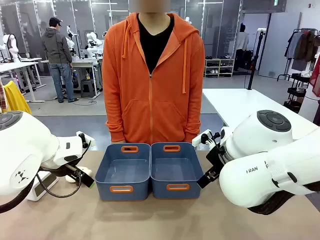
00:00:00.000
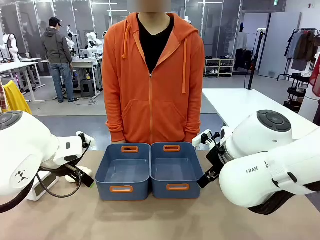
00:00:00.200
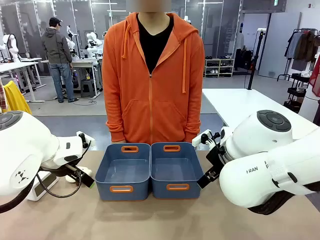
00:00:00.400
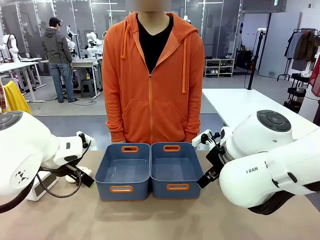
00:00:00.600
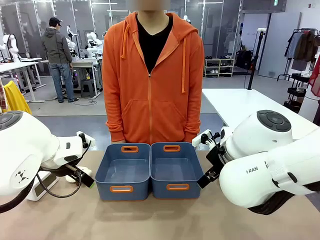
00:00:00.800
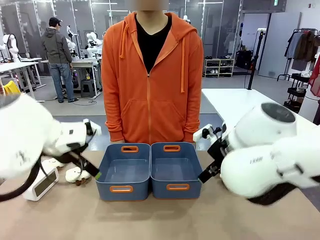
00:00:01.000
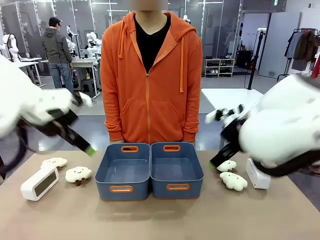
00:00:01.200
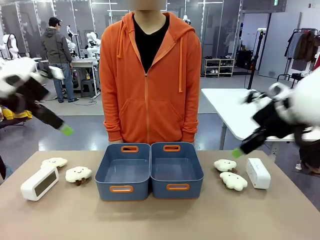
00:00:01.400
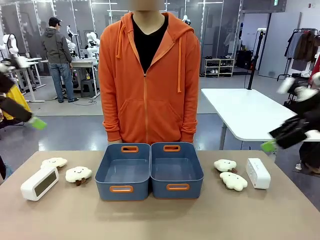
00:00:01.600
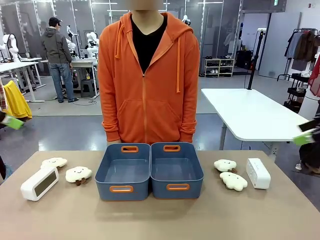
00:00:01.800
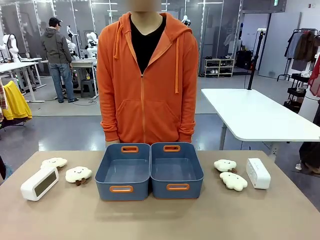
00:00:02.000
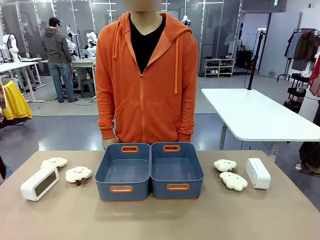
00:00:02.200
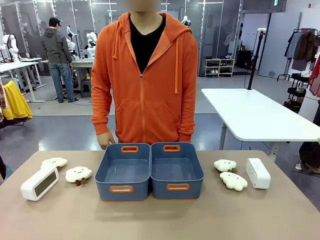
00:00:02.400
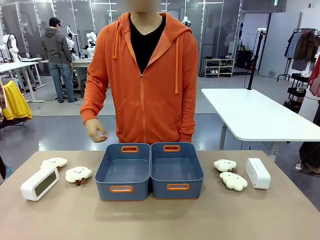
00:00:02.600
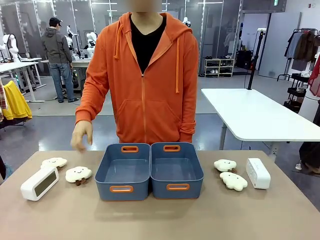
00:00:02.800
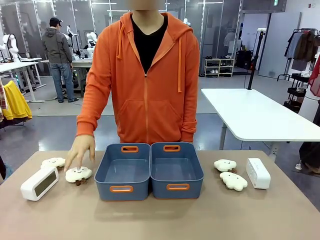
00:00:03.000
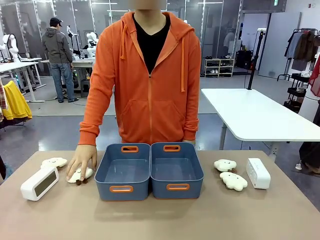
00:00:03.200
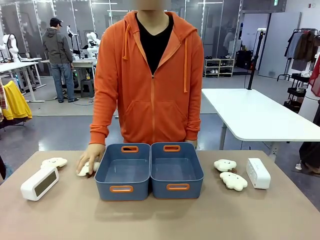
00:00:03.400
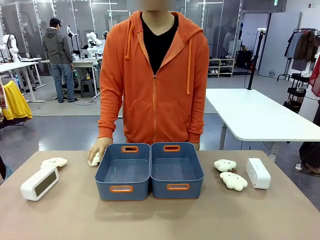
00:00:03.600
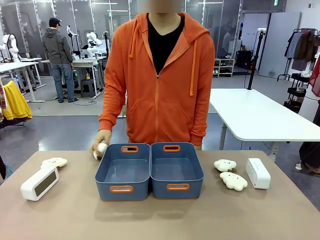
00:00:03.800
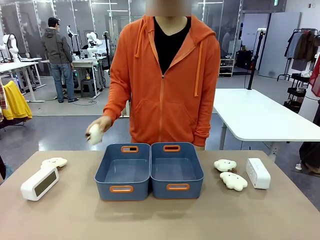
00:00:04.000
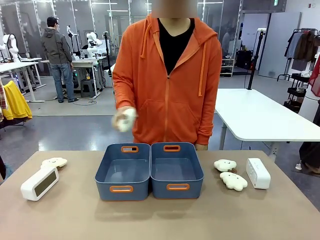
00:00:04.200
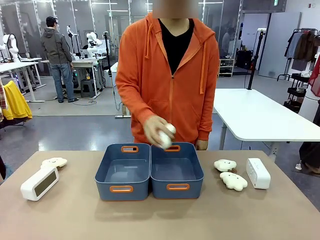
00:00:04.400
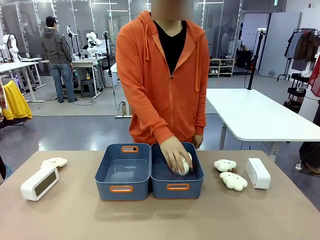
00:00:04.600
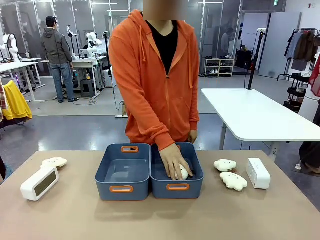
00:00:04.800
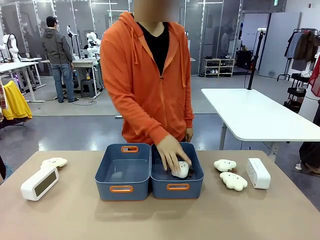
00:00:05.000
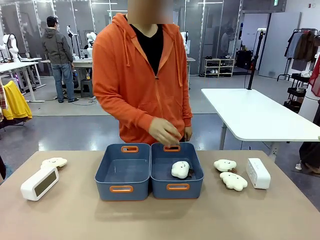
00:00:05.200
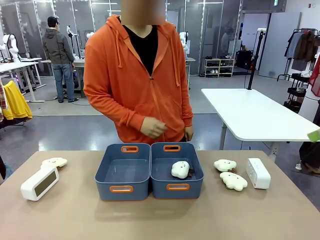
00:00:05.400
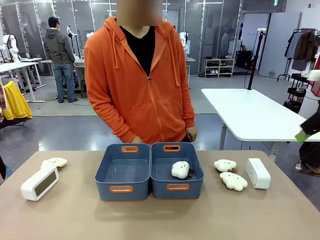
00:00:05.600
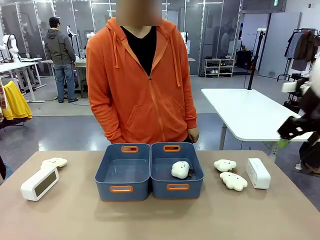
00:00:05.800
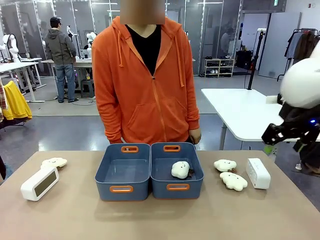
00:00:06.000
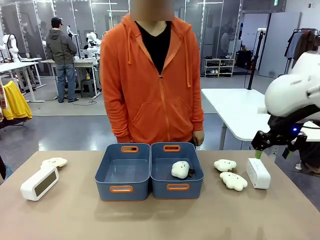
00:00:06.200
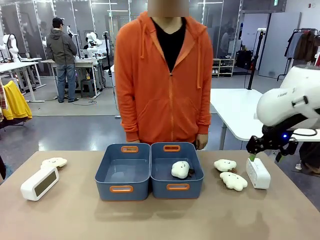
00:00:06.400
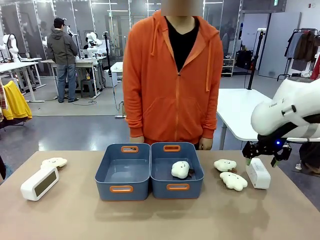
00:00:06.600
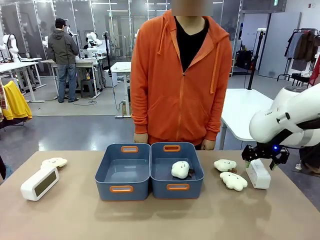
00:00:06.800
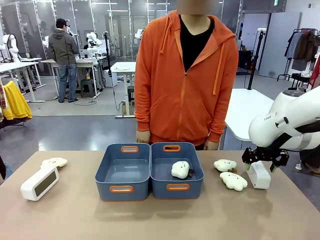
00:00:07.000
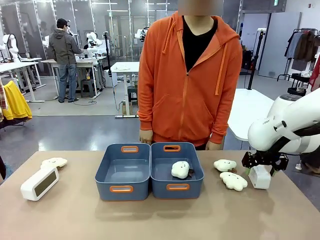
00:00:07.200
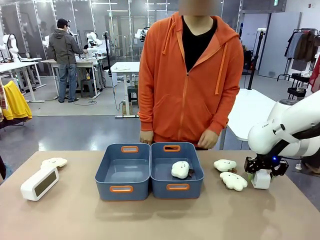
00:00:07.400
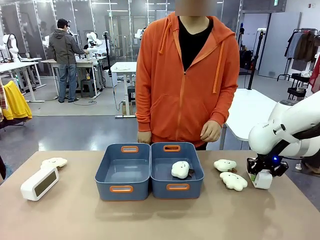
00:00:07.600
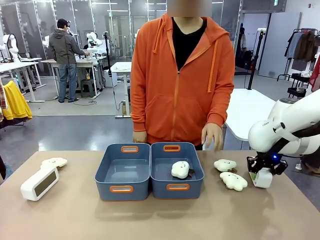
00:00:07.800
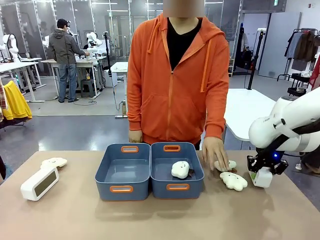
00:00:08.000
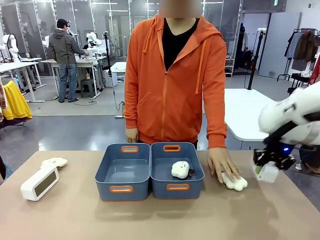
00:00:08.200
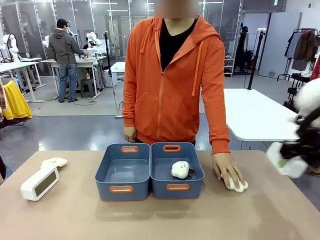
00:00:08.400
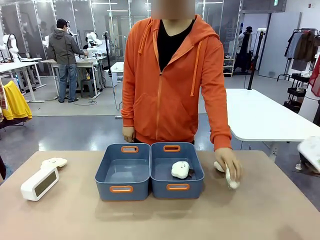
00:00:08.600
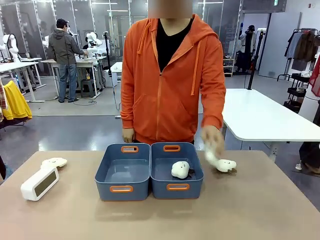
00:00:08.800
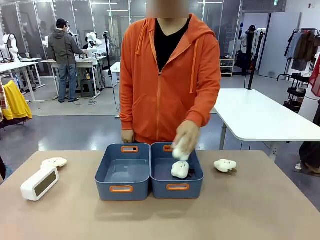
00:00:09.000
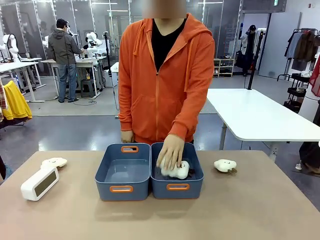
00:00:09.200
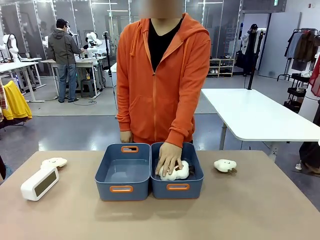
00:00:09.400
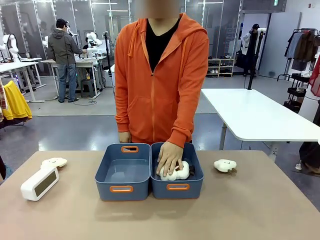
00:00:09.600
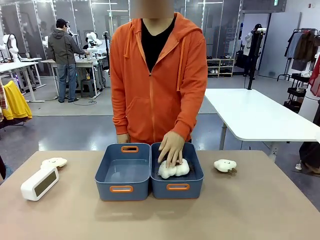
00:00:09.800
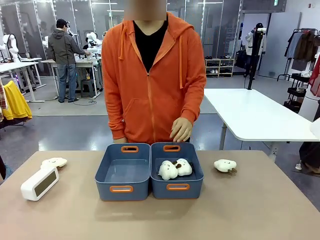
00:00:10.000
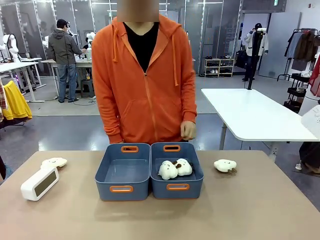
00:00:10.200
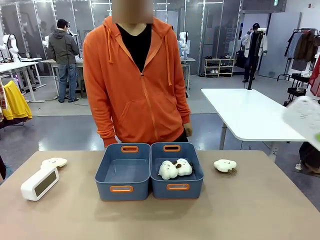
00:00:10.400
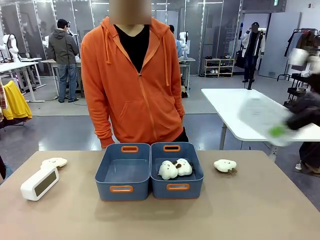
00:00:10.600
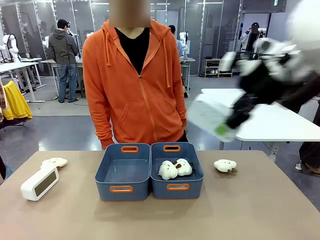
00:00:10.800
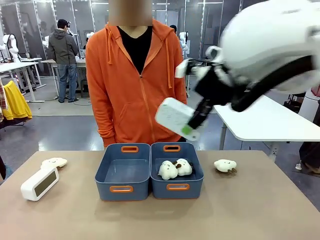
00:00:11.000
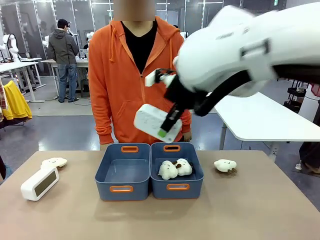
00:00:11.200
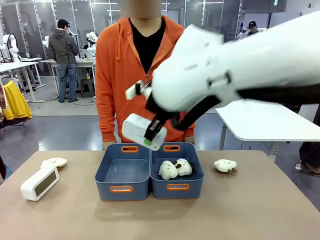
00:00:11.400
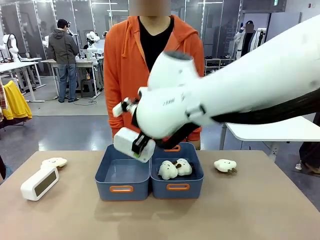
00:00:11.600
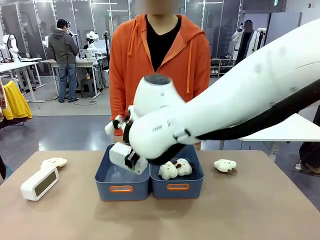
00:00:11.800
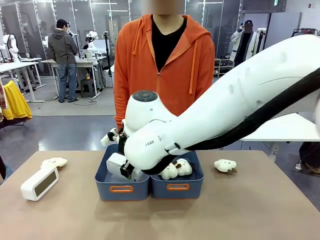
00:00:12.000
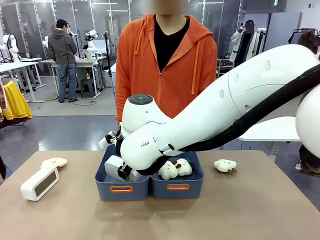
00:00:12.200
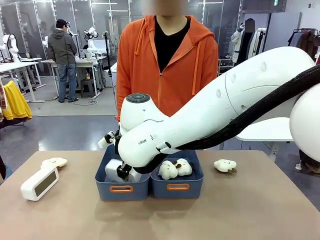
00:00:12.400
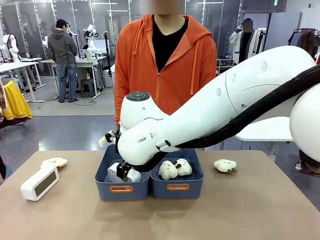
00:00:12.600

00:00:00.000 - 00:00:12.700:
Task: Sort the digital clocks into the basket.
Robot: Pick up the Digital clock from the table and place it into the empty Plastic storage basket.
Person: Pick up a plush toy from the table and place it in a plastic storage basket.

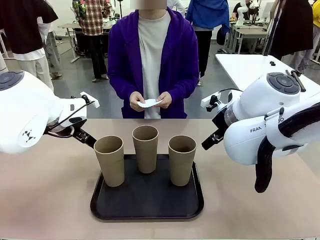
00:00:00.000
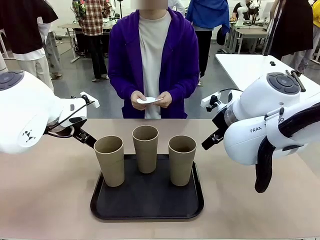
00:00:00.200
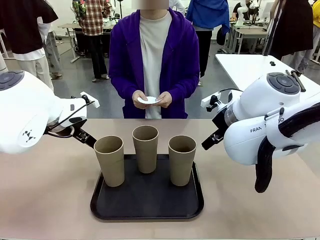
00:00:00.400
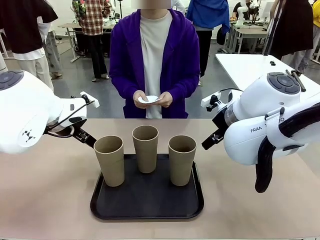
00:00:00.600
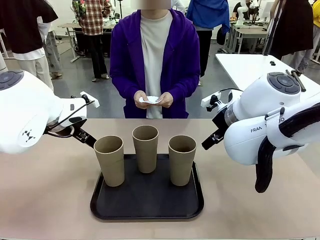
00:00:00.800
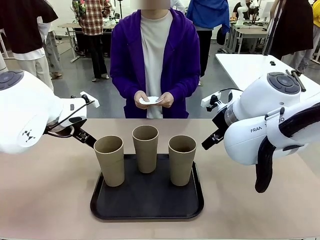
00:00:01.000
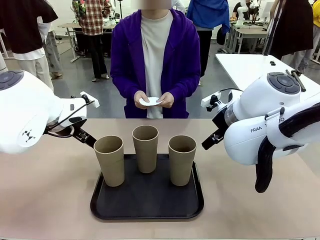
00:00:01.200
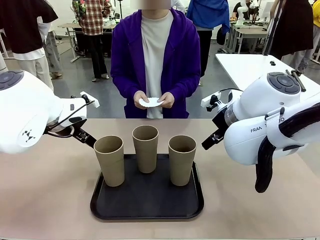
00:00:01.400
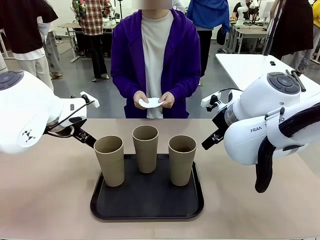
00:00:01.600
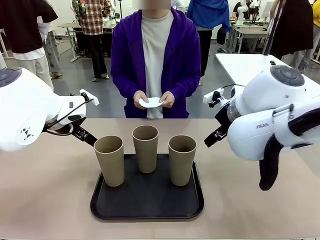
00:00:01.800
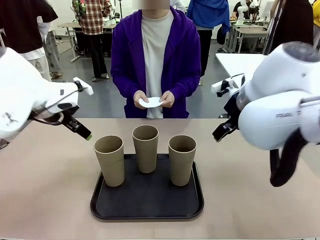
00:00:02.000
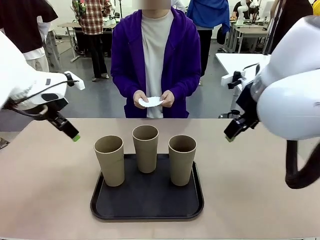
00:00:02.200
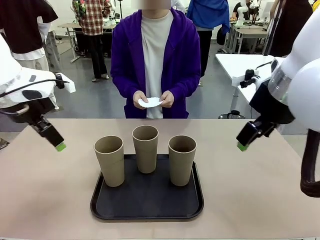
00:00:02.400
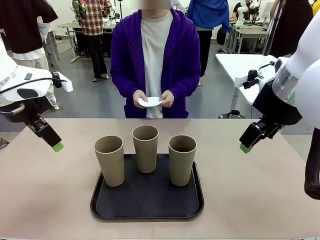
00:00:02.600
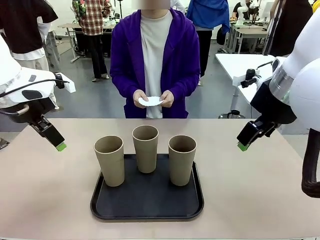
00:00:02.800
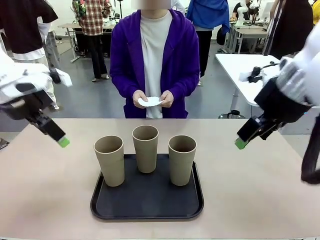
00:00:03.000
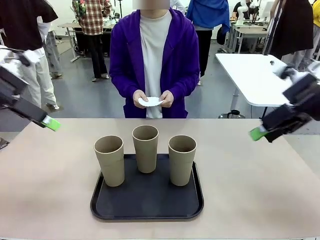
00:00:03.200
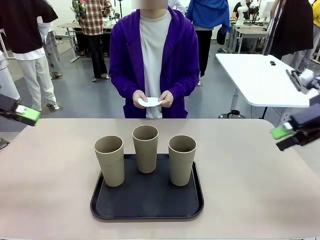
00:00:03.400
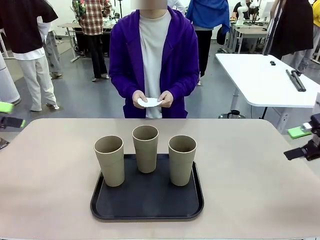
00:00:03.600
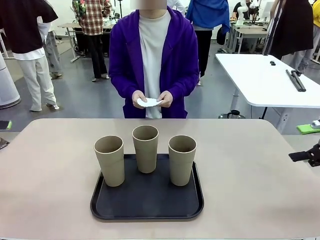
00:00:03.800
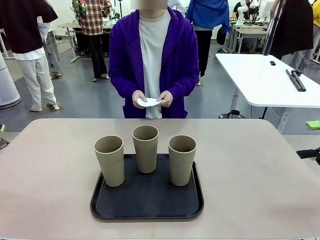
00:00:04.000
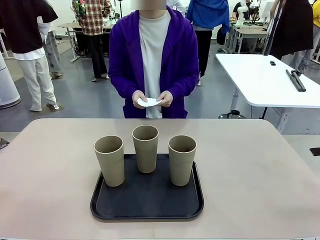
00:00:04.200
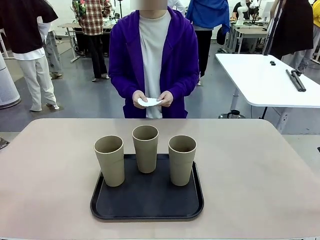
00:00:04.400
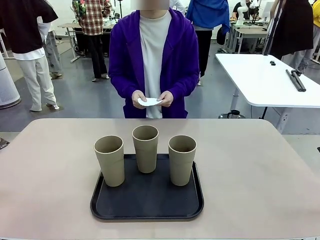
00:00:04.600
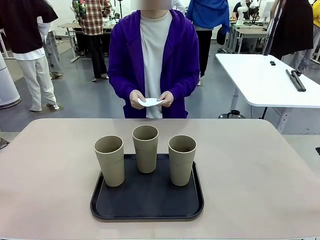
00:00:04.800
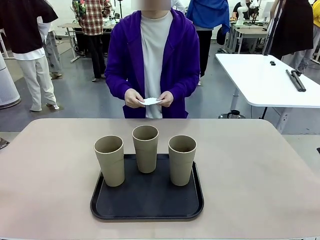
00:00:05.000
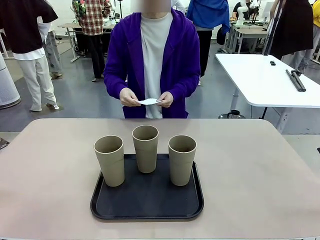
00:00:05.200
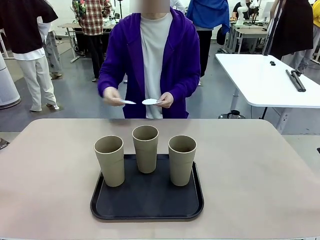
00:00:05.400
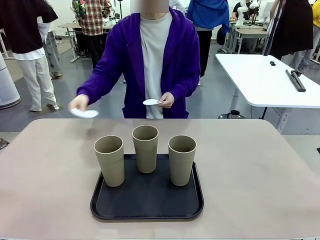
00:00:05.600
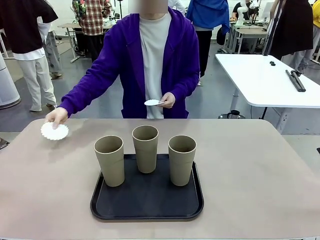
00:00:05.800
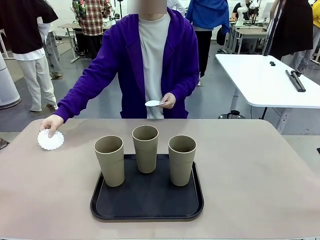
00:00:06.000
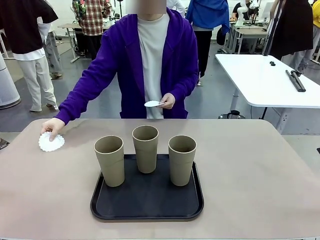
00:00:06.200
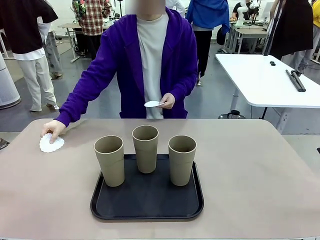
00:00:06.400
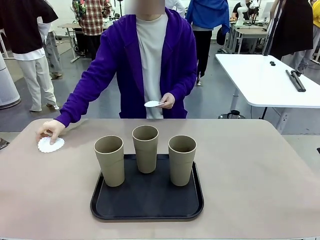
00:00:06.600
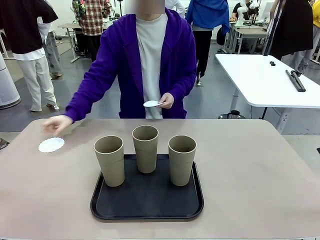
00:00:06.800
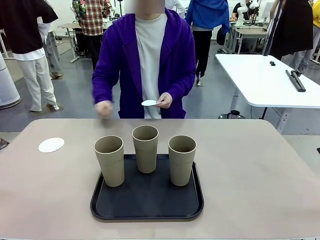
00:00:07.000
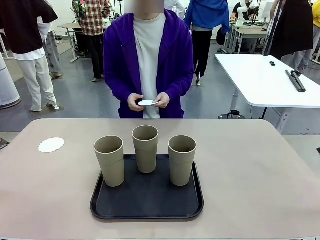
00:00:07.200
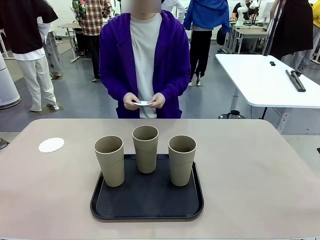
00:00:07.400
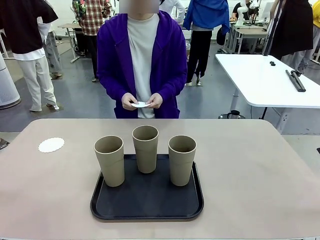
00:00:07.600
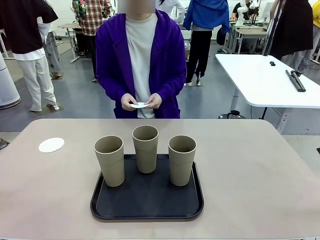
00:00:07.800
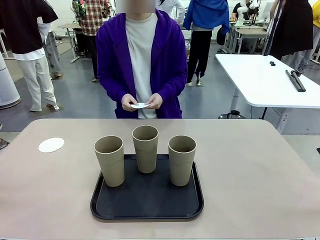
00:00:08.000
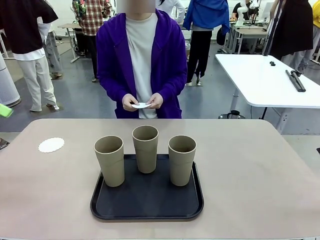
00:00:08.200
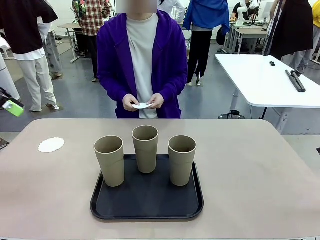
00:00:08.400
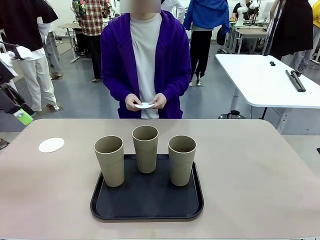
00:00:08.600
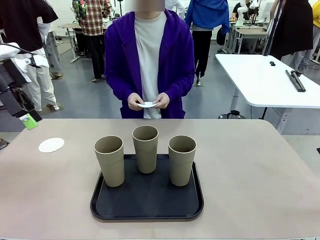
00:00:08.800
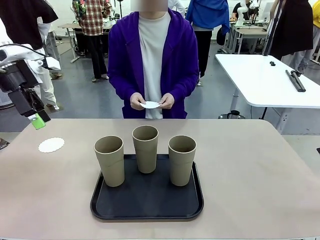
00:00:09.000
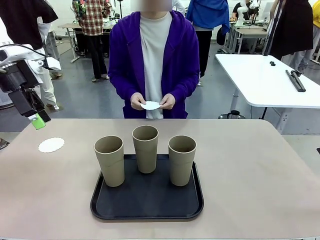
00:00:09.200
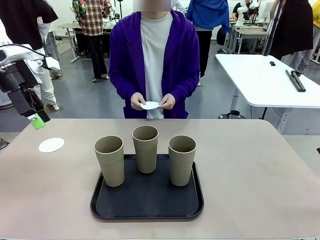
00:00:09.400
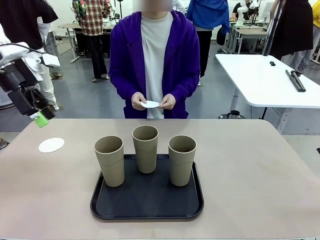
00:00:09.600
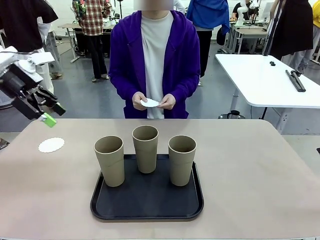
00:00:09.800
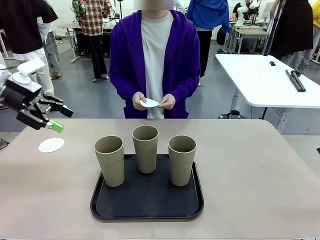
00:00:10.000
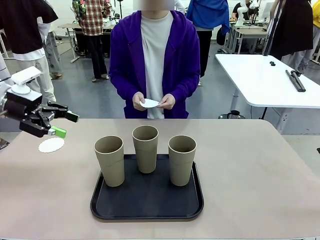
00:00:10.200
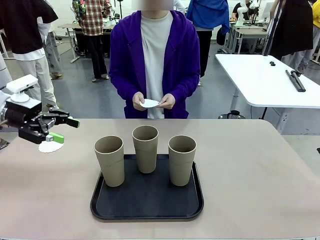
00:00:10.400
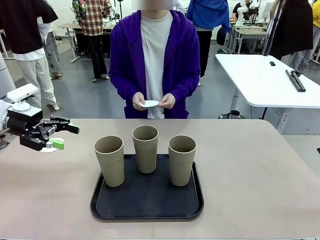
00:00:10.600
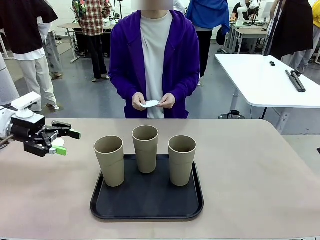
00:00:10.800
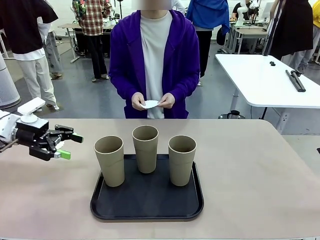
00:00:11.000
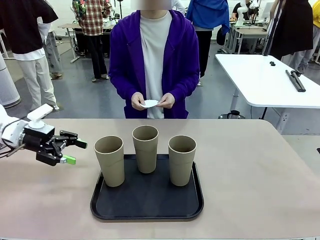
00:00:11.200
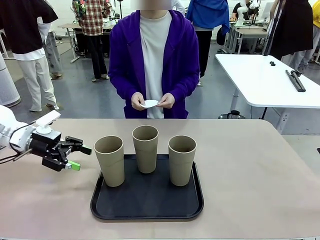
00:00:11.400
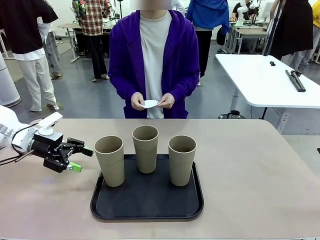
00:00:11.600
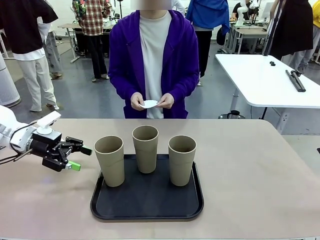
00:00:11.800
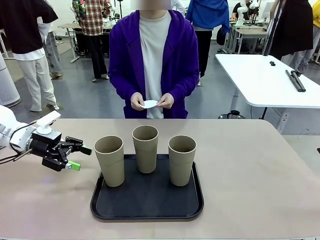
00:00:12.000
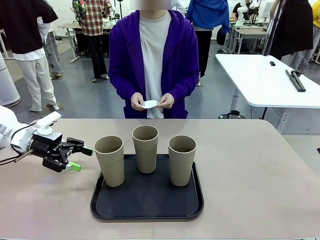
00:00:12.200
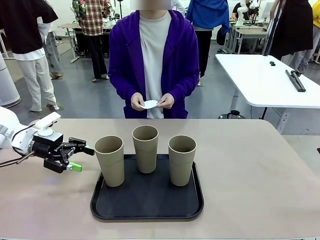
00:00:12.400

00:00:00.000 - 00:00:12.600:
Task: Place coasters on the table and set cups on them.
Robot: Pick up one Reusable plastic cup and place it on a coaster set by the human.
Person: Place one coaster in any one of the three lower areas of the robot table (left, center, or right).
